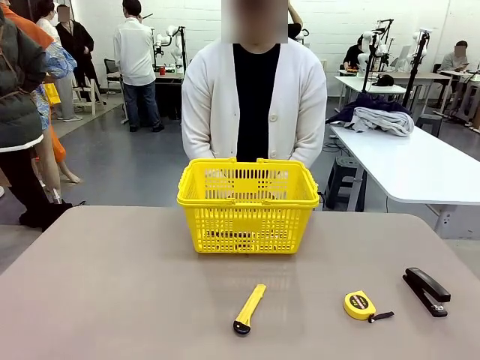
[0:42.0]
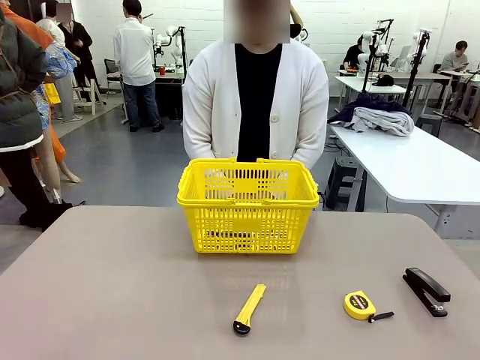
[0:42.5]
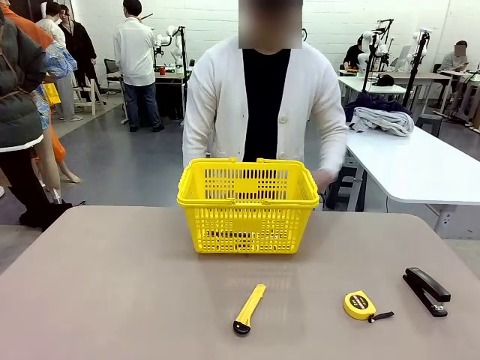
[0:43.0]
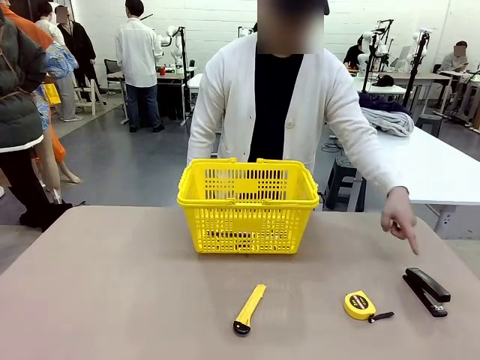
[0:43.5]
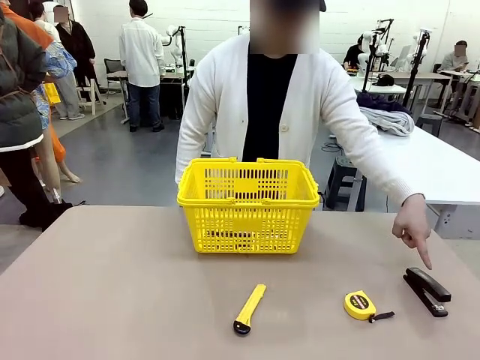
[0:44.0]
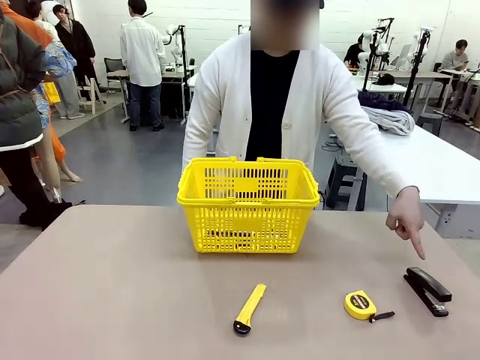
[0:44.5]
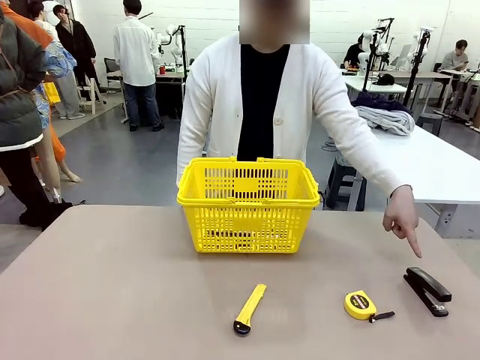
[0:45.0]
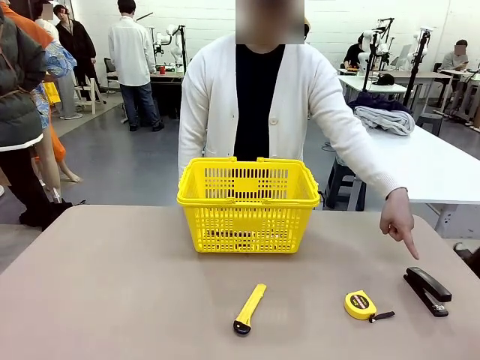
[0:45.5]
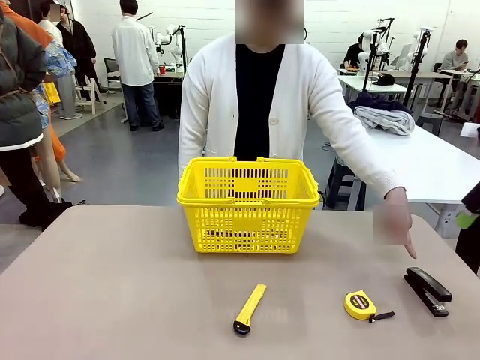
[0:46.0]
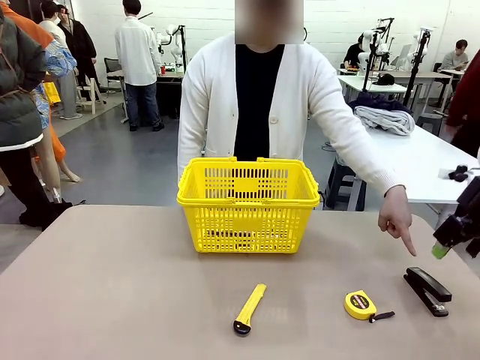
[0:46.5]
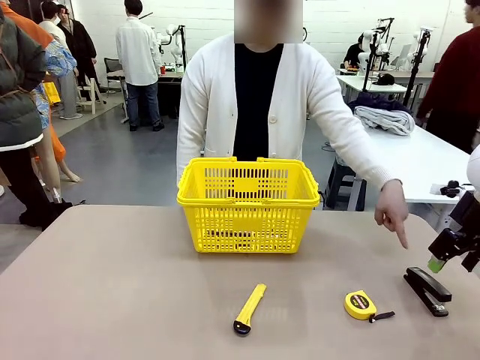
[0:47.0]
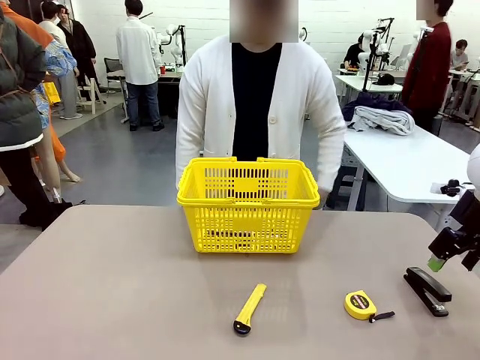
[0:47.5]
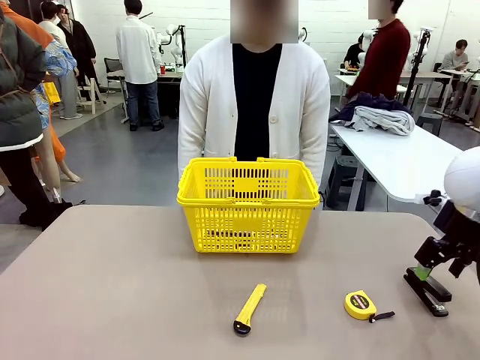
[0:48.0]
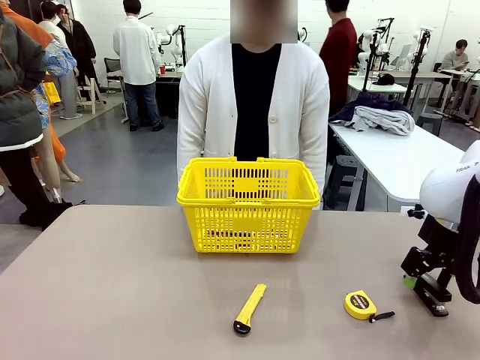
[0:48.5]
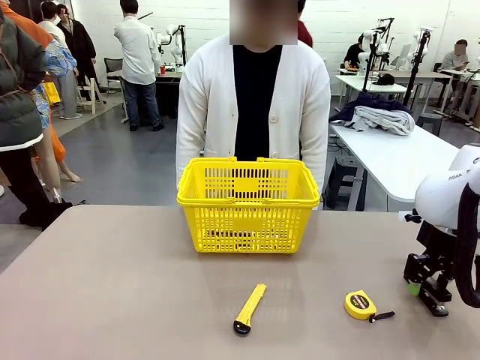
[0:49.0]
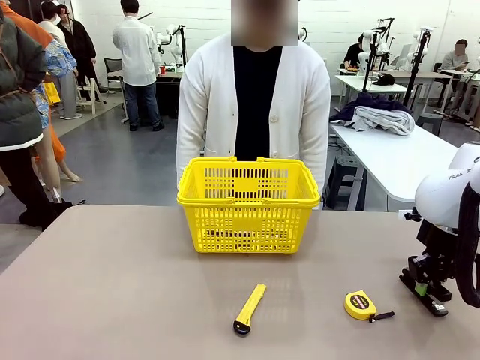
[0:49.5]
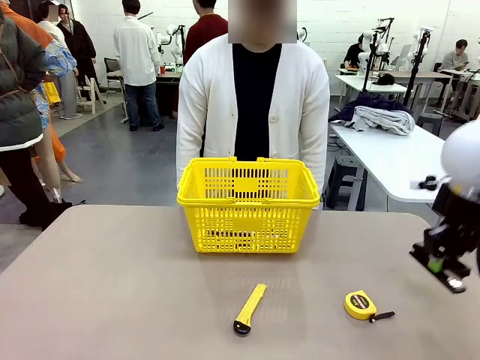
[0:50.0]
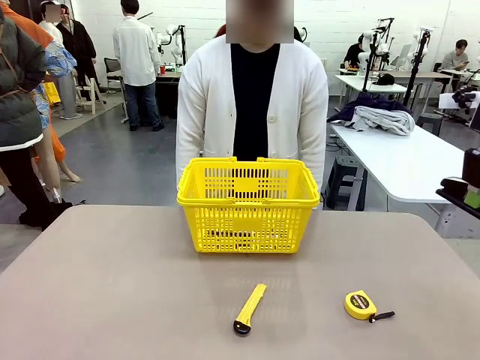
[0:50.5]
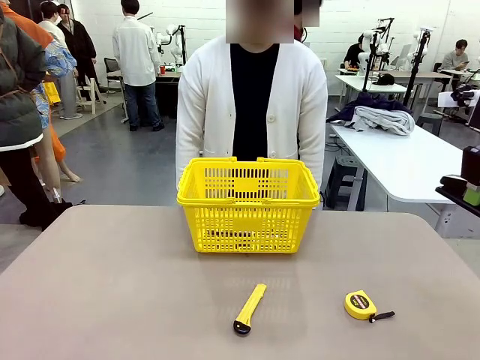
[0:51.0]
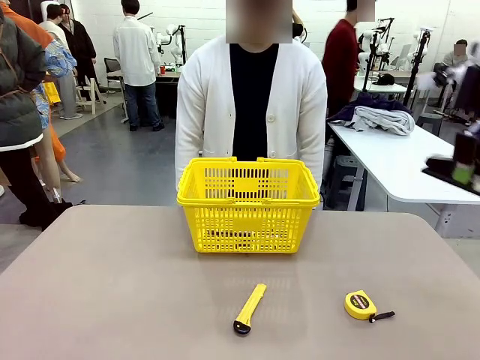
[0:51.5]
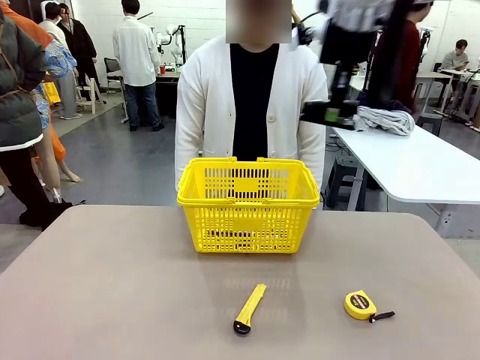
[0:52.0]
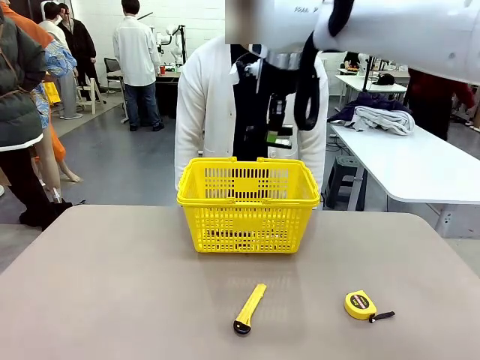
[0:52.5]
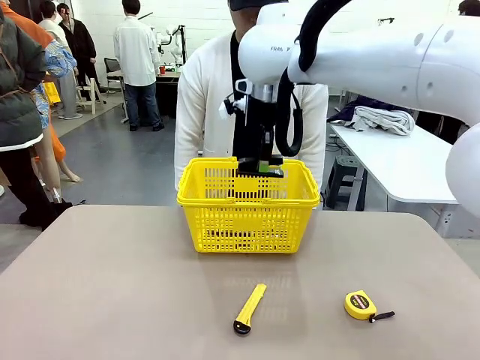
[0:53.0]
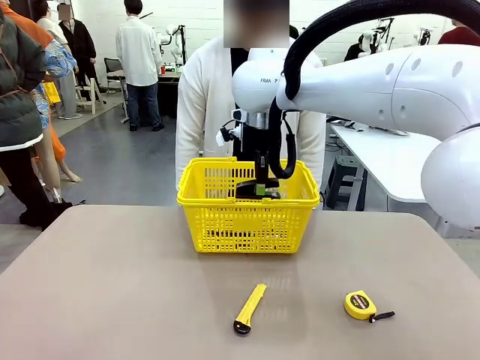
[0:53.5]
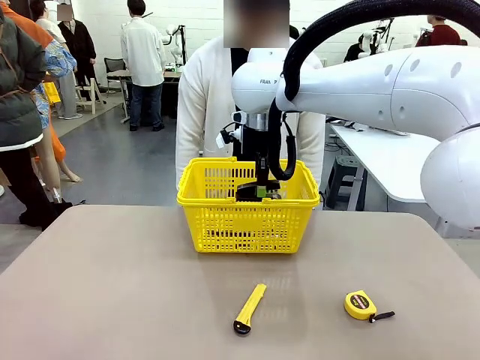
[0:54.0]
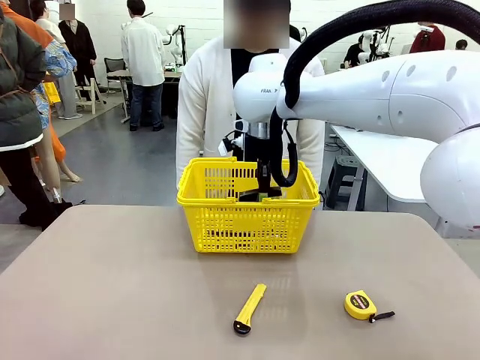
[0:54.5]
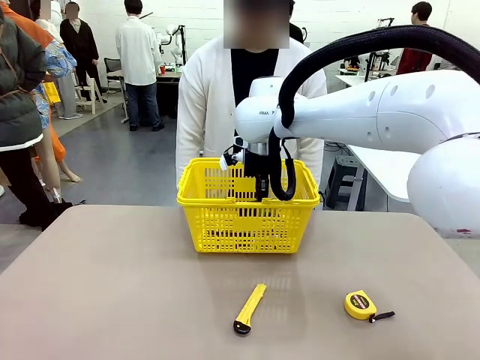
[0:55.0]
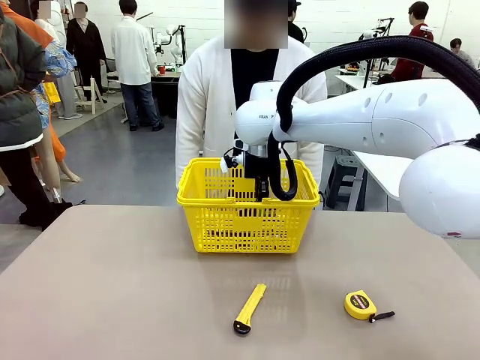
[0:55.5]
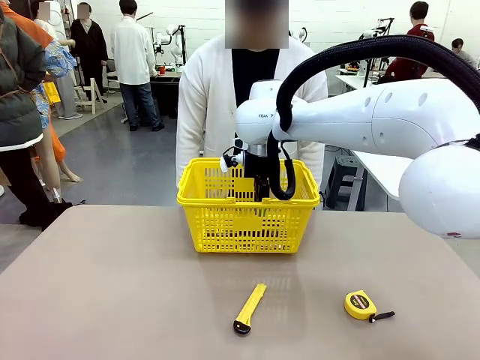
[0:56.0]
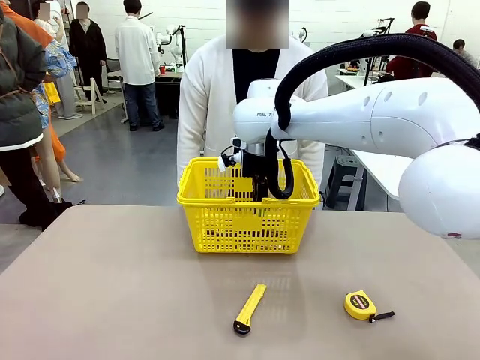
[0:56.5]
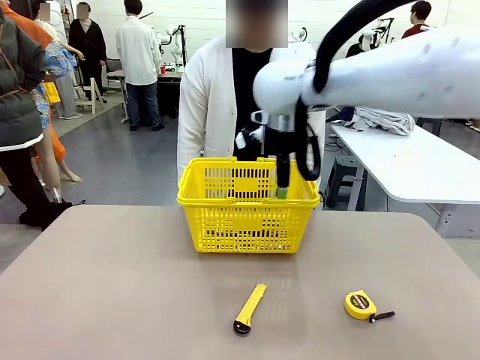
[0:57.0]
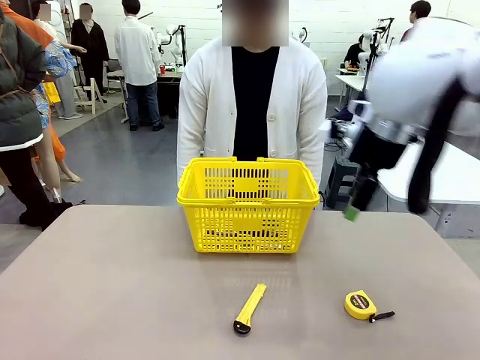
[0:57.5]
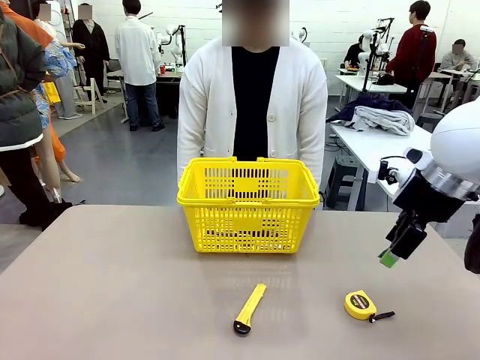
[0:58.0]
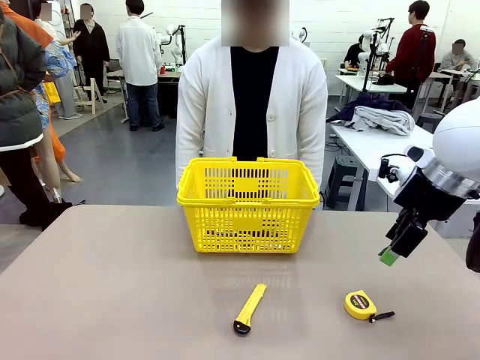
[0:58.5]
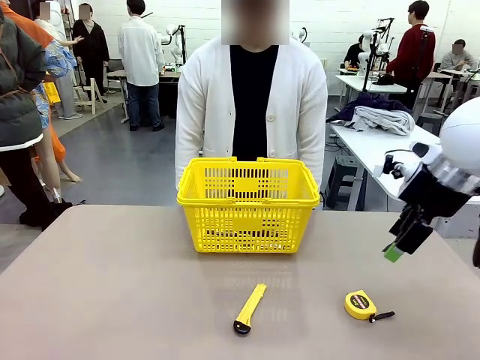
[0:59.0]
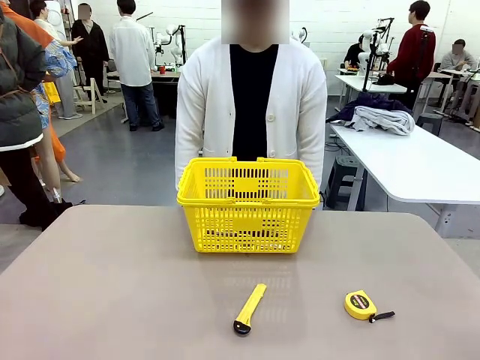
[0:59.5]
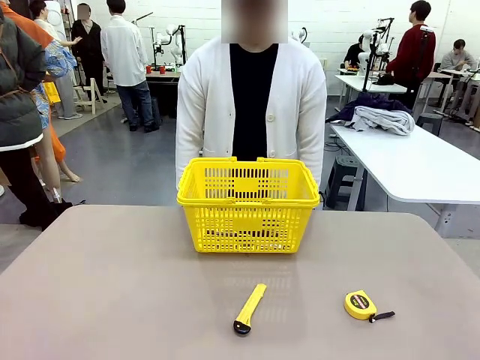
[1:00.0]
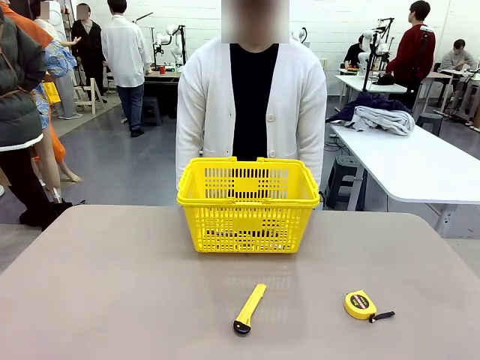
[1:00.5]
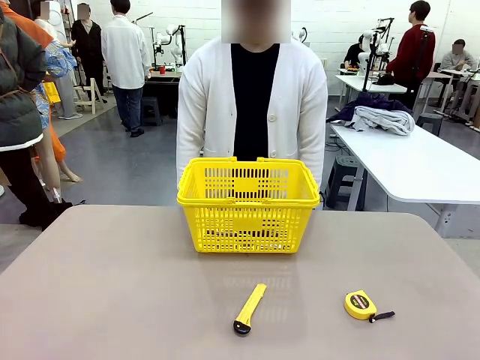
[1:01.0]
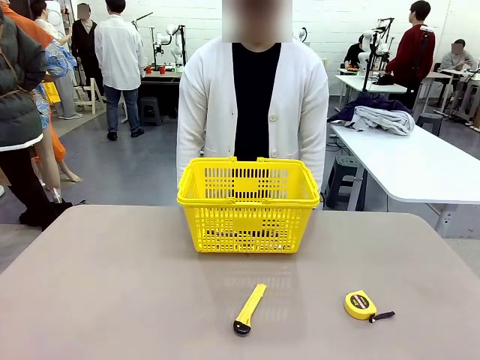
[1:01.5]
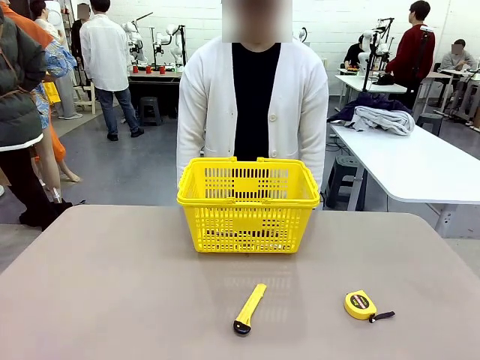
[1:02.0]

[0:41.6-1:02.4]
Task: Place the items the person wants into the basket.
Robot: Pick up the item the person points to and place it in the Market Basket.

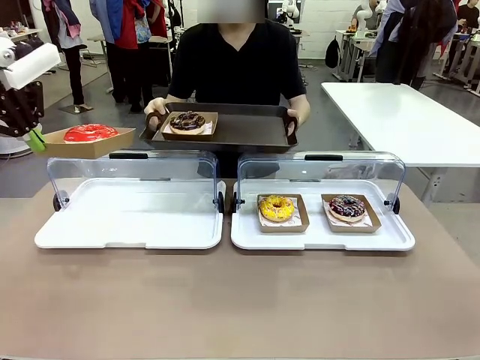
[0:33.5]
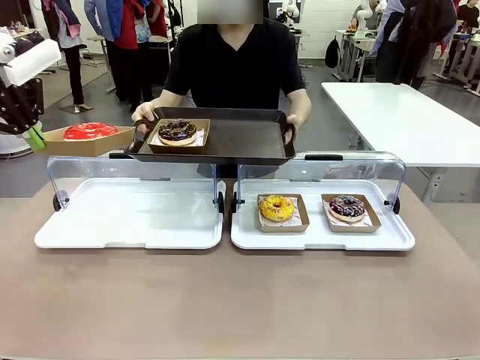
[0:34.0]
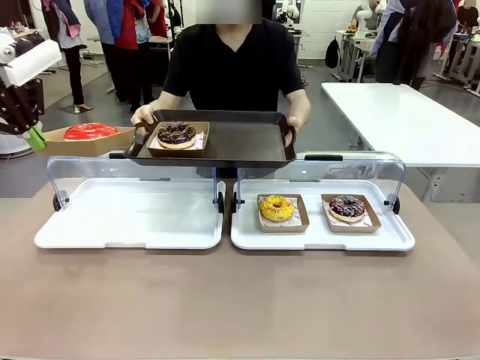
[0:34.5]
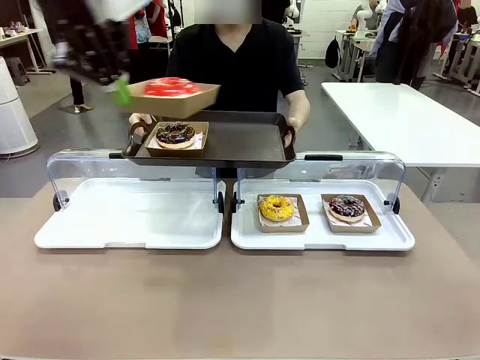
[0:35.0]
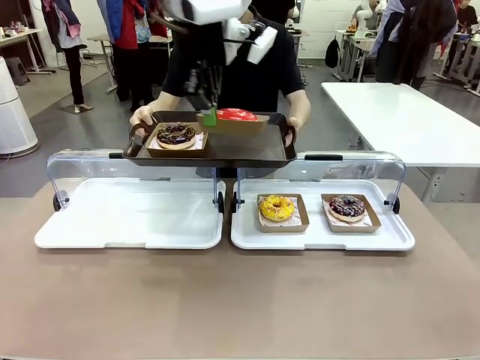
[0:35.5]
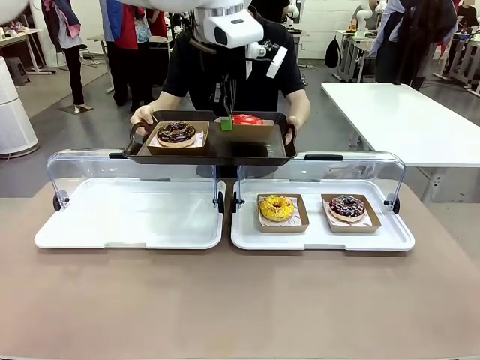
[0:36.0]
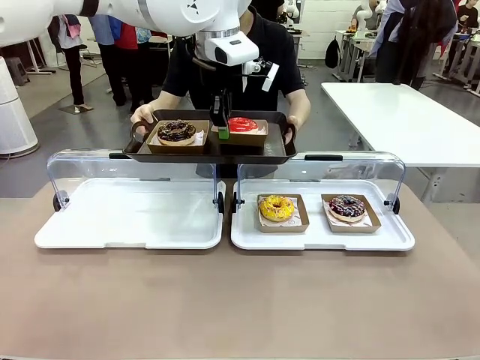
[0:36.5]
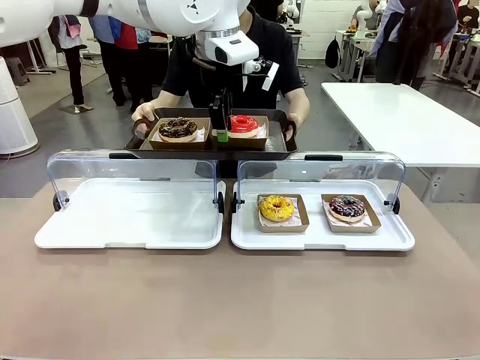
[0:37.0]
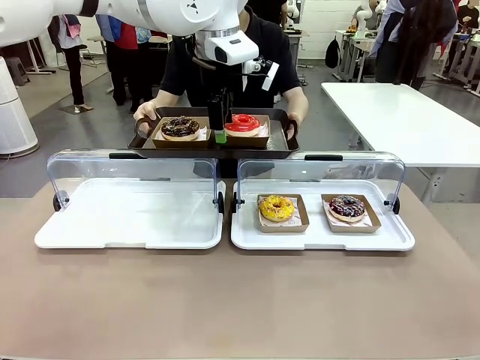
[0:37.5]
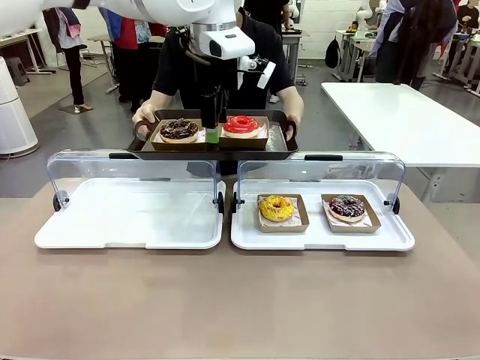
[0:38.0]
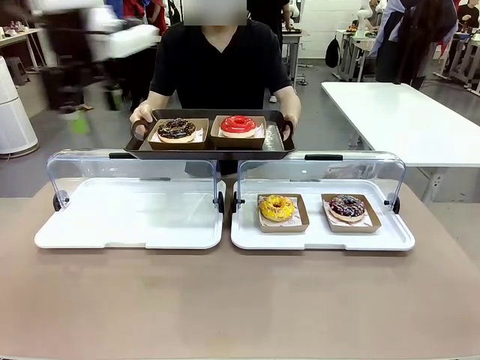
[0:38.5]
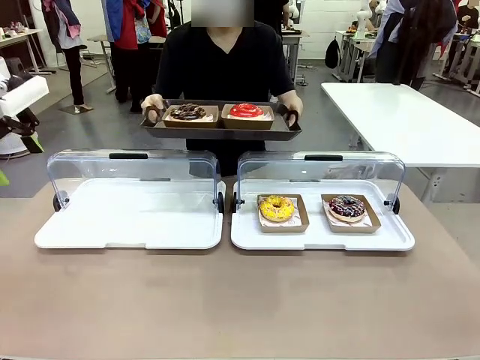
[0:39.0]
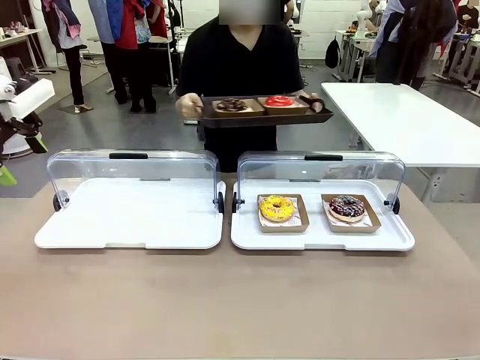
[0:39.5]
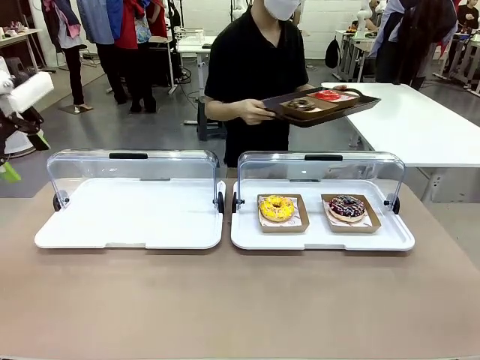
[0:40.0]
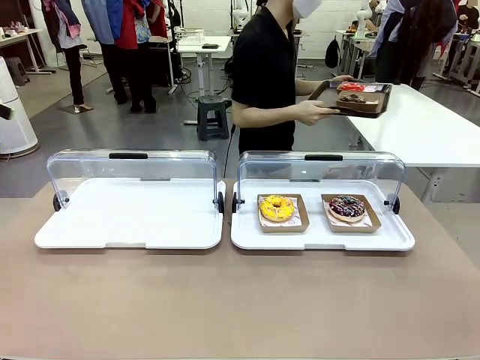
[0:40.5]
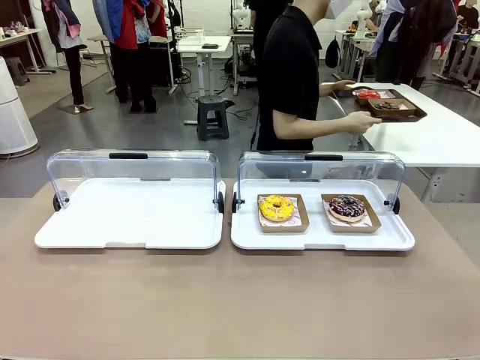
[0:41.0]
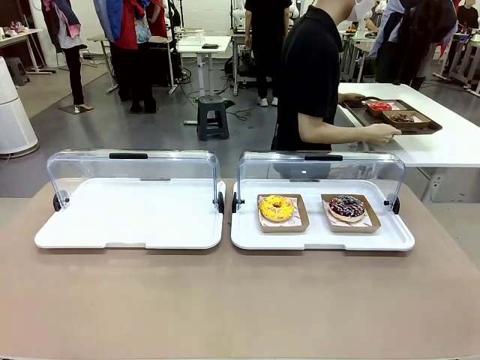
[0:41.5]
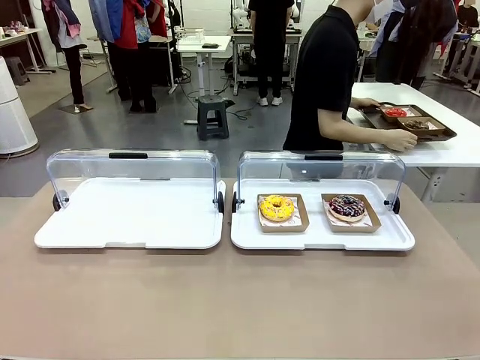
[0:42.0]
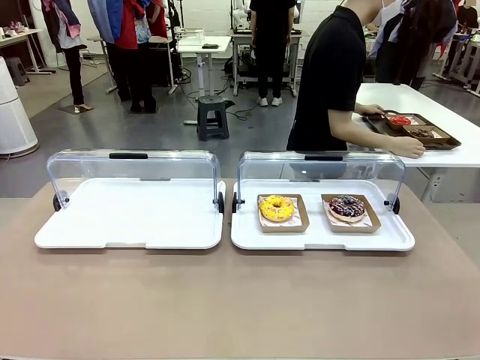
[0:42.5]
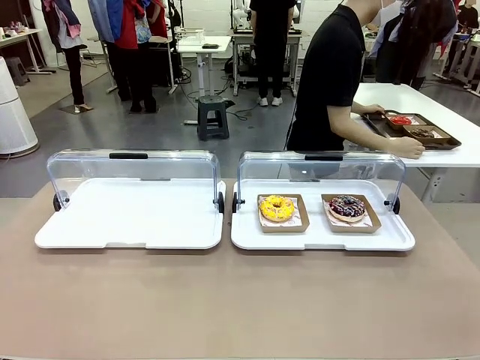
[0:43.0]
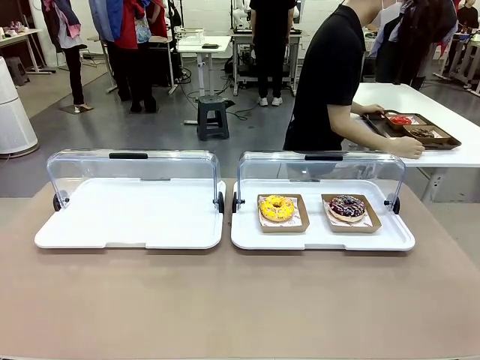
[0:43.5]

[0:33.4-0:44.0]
Task: Provide the desired donut to the person.
Robot: Place the picked Paper togo box onto the Handle tray extended by the person.
Person: Place the tray in the middle of the human table.
